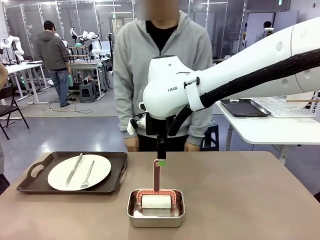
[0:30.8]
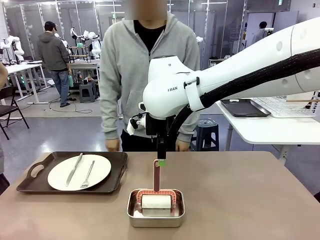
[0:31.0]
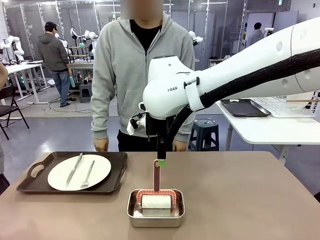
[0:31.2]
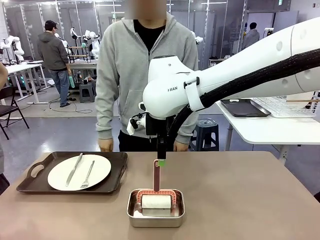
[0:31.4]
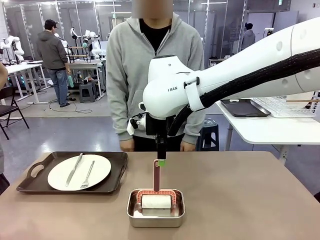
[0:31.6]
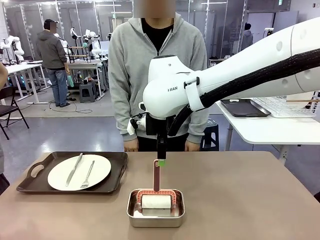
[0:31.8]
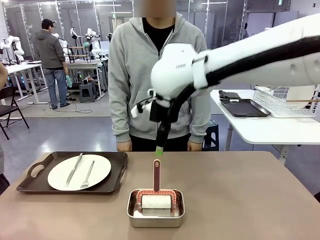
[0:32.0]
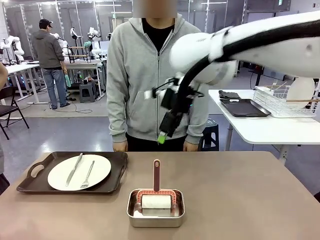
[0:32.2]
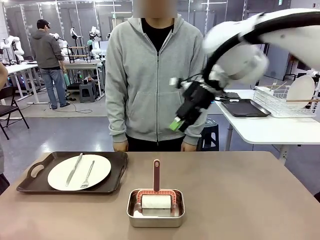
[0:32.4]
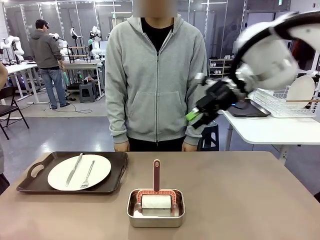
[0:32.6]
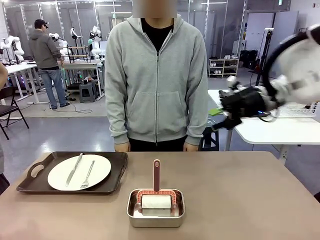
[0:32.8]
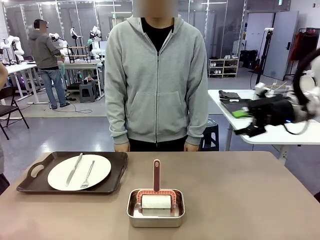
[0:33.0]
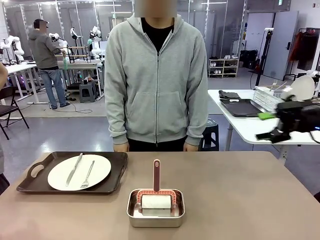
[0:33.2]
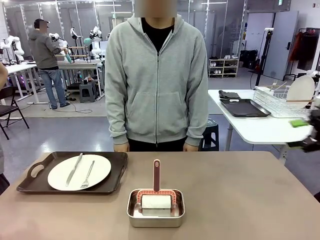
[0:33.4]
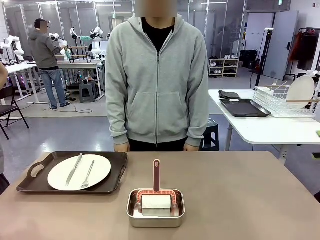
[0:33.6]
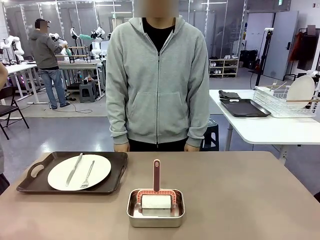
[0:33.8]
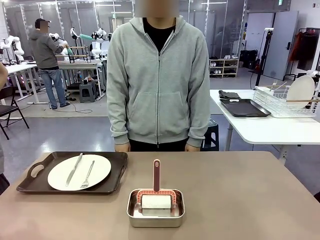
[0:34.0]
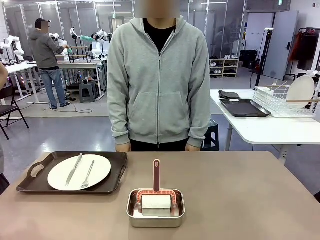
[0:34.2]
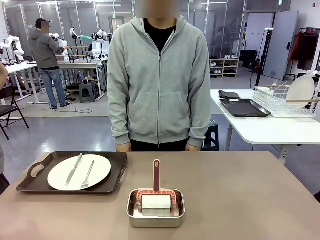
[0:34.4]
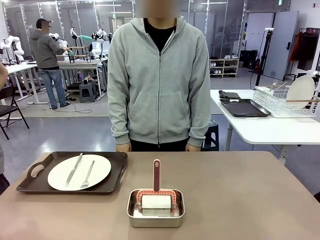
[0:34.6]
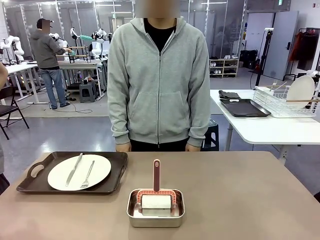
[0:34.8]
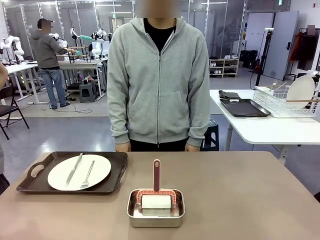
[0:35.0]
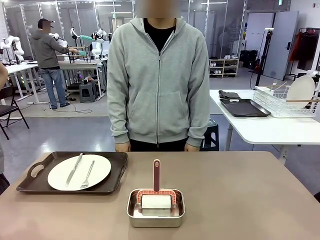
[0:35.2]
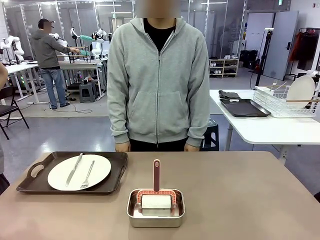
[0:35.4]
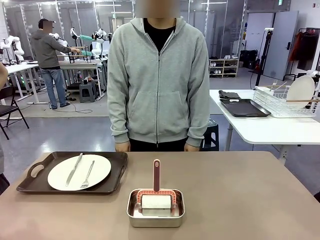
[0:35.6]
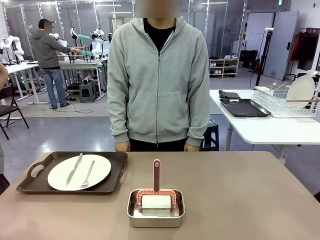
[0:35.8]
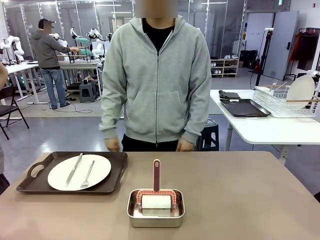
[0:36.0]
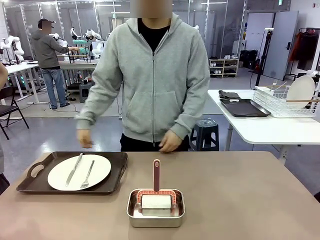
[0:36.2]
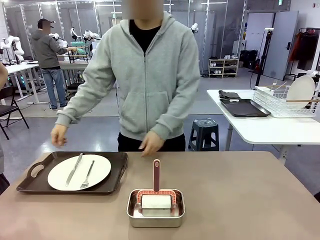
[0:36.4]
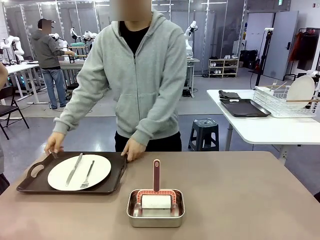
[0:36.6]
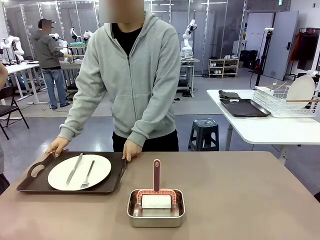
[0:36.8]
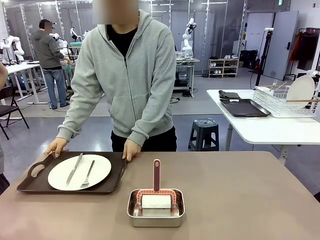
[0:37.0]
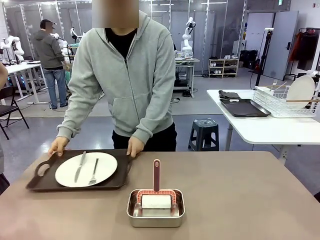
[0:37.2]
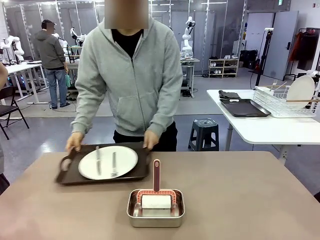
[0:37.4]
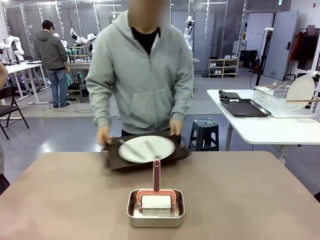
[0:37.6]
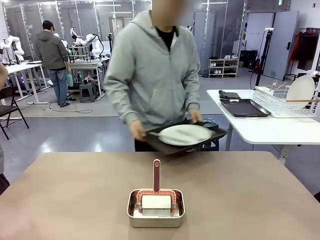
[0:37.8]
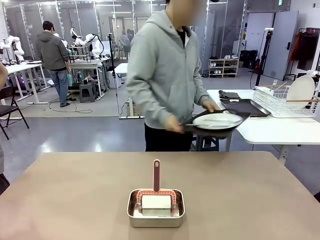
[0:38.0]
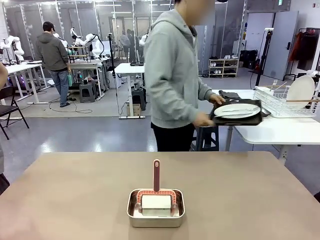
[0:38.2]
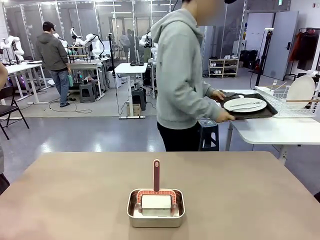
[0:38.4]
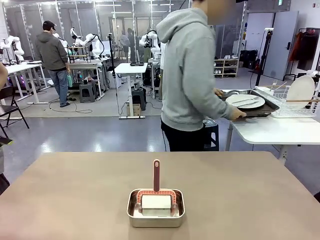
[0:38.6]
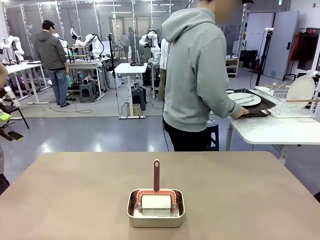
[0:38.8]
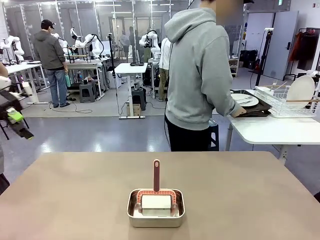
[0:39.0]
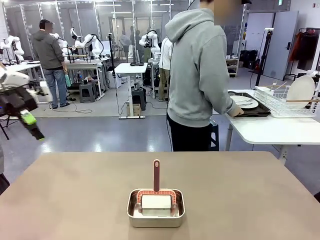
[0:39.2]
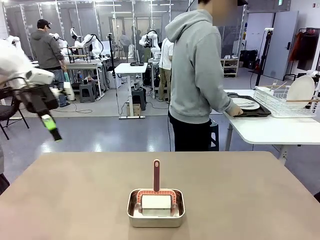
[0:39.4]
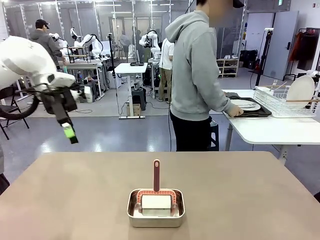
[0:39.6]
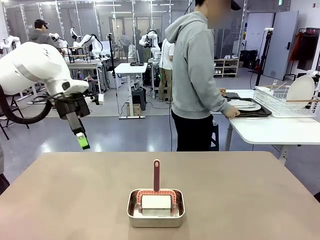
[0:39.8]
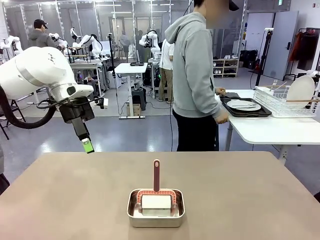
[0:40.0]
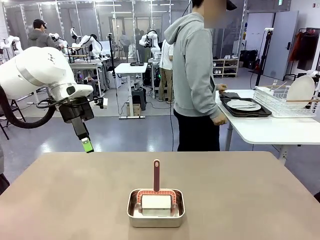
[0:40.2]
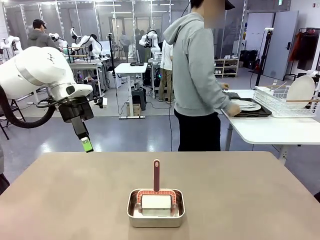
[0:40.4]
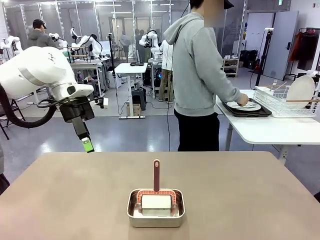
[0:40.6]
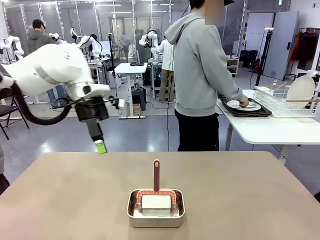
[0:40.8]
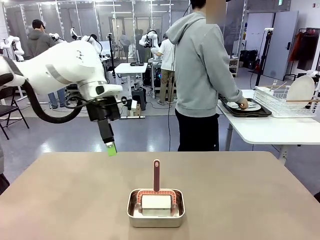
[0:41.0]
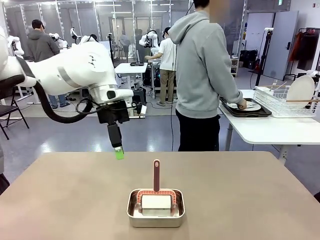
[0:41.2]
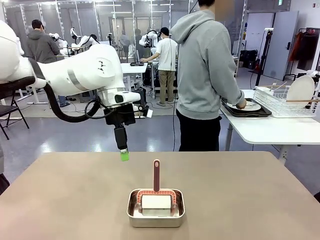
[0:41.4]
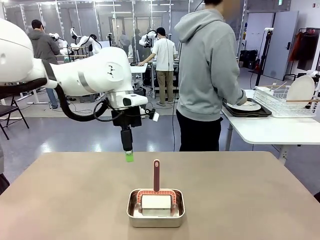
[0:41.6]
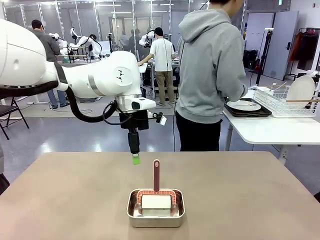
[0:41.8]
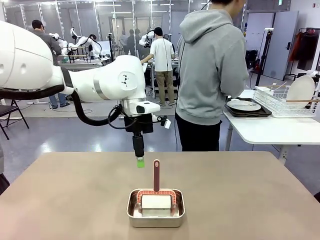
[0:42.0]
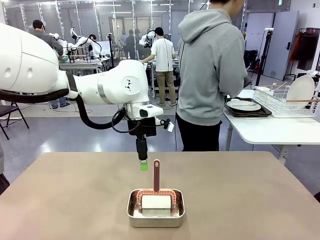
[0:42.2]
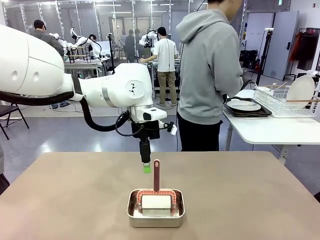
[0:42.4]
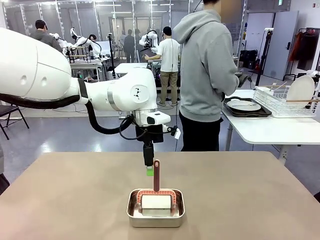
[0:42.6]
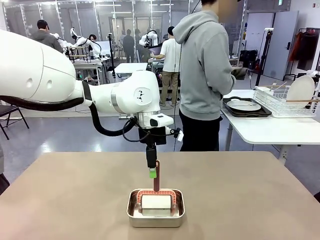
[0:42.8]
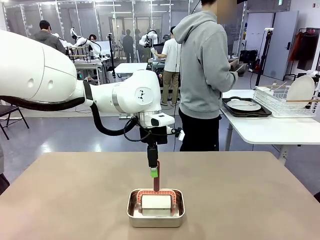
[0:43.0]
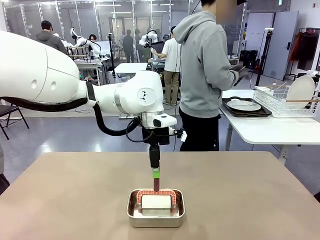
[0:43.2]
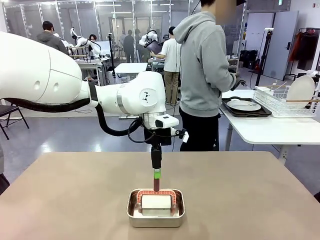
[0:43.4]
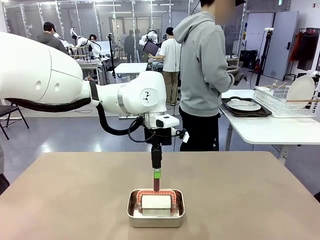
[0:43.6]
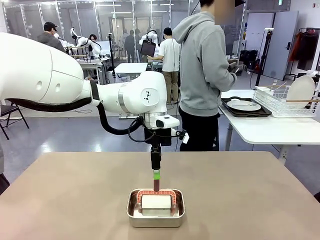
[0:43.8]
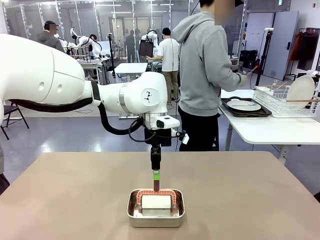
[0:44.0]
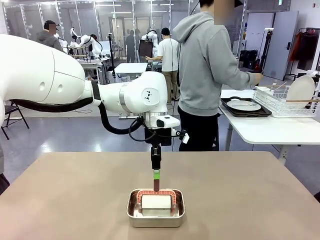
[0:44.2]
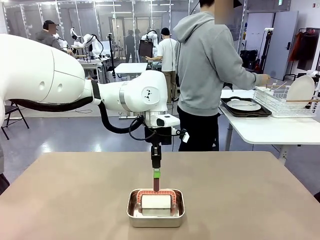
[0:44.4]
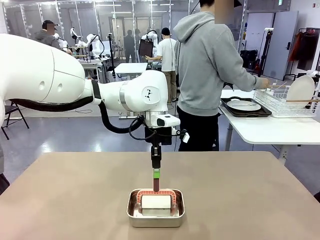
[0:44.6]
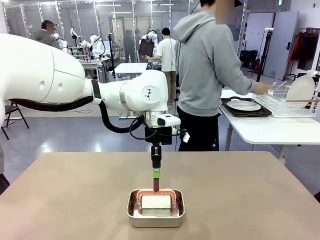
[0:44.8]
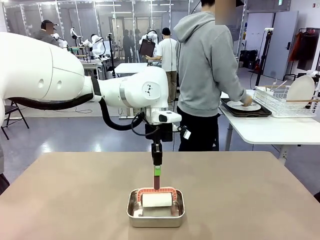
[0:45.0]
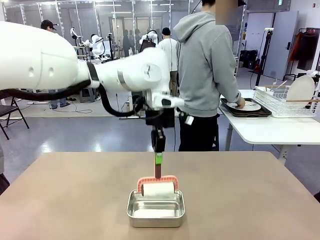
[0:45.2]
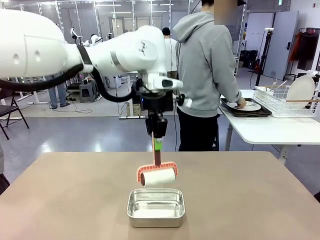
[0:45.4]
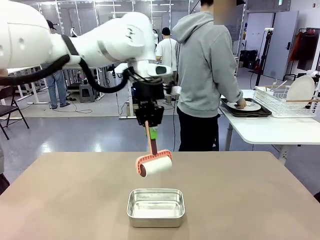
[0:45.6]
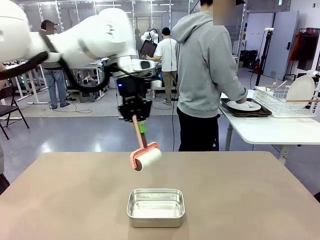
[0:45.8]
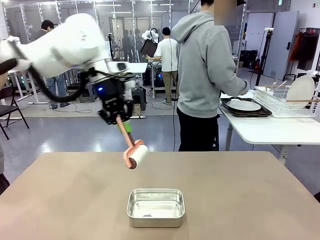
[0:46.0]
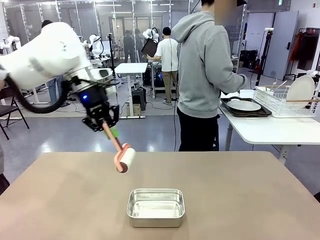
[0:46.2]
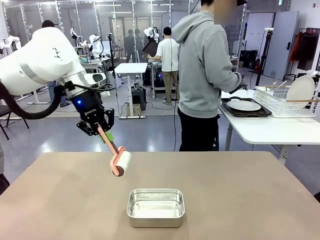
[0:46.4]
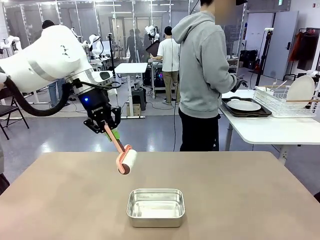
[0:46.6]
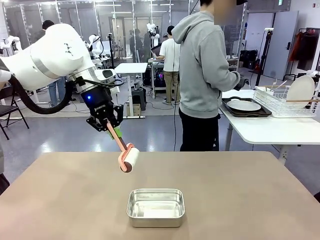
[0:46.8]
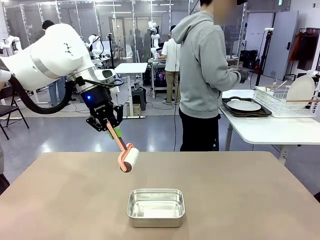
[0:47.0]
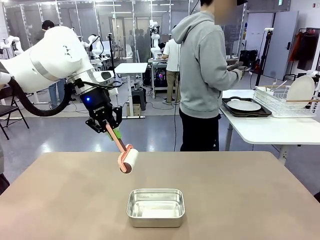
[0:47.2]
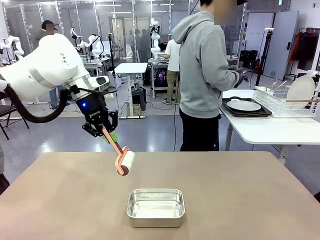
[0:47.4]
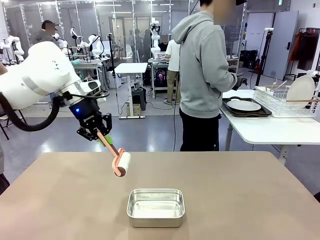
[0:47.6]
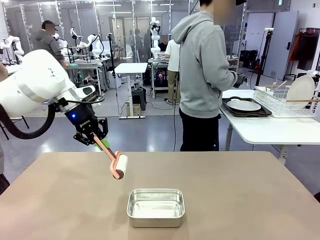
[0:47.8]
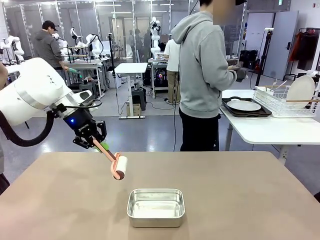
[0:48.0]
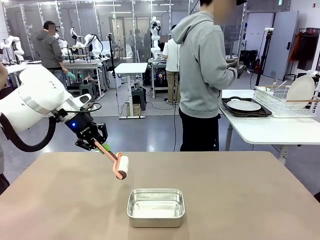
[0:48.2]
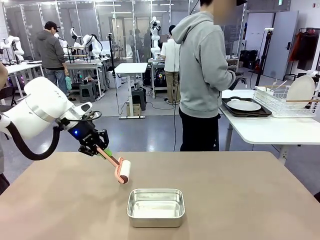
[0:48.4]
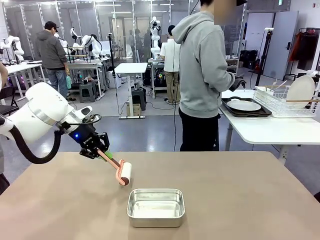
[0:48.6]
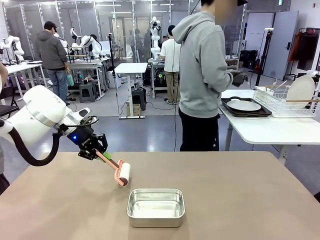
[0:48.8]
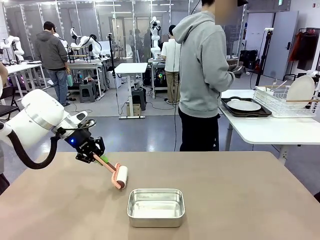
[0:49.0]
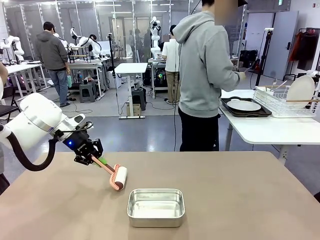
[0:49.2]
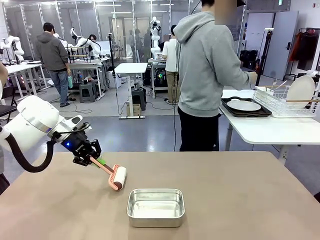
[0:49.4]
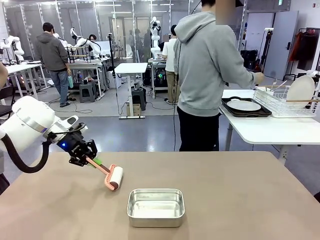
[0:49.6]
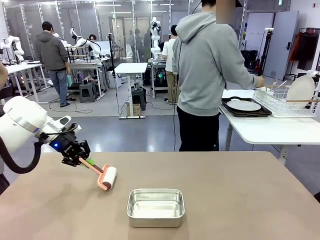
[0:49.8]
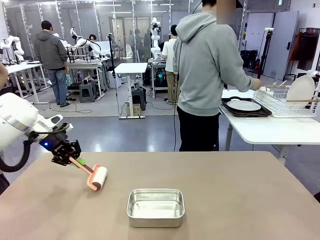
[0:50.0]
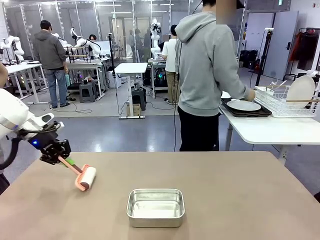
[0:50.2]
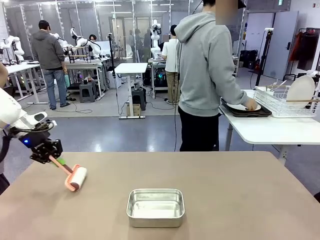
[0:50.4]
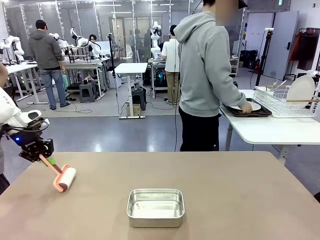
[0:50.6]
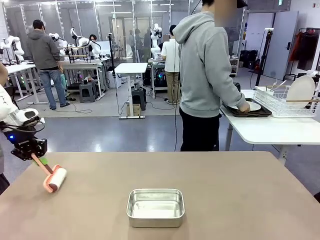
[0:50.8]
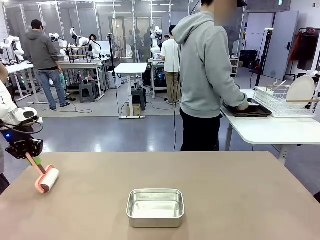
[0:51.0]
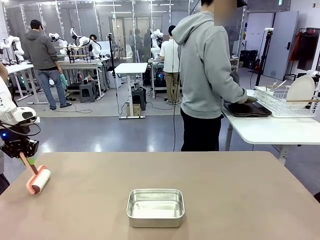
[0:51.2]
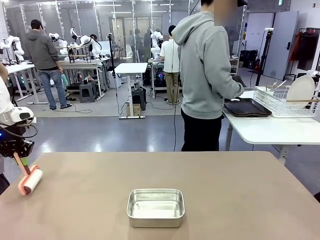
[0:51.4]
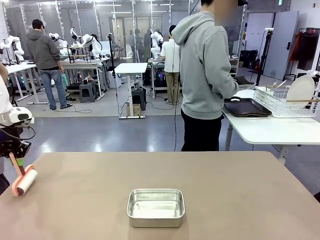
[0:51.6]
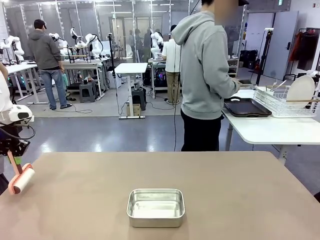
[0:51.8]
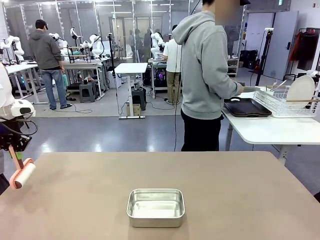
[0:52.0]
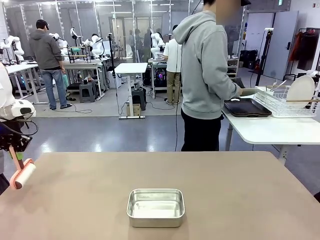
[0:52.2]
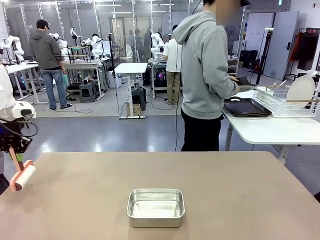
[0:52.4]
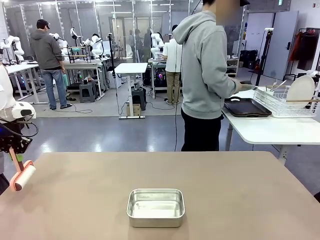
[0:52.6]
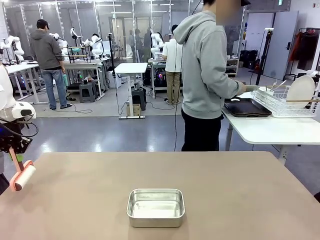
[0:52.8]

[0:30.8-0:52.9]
Robot: When the right (or left) Handle tray is removed, use the right hand (or left hand) to clean the right (or left) side of the table with the Lint Roller.
Person: Pick up the left (or right) Handle tray and place it on the Handle tray.
